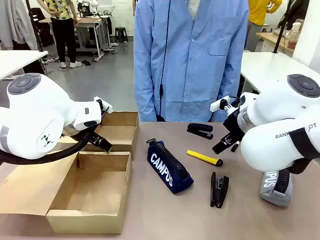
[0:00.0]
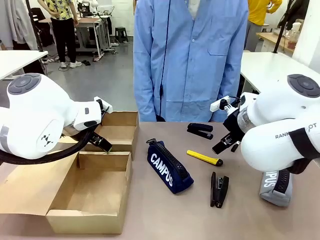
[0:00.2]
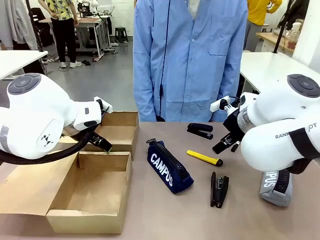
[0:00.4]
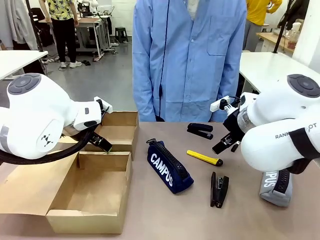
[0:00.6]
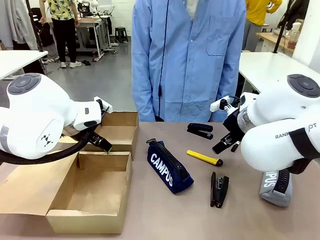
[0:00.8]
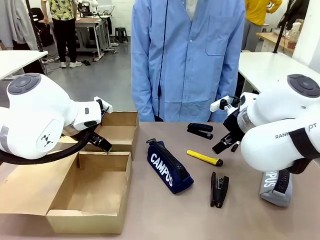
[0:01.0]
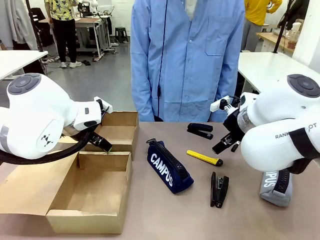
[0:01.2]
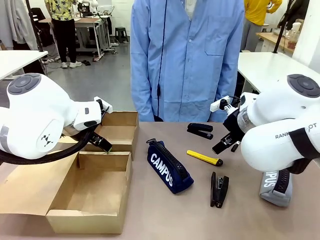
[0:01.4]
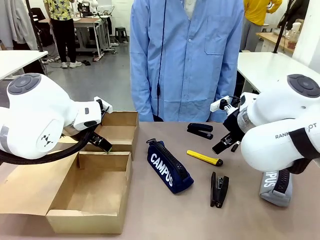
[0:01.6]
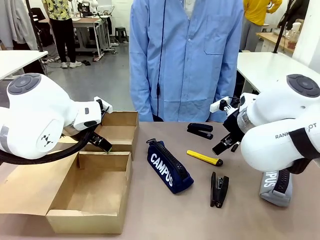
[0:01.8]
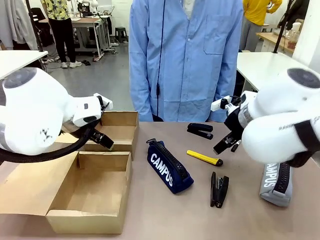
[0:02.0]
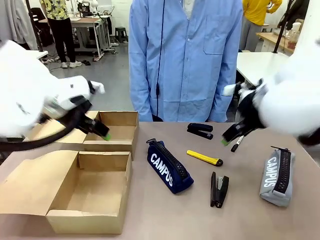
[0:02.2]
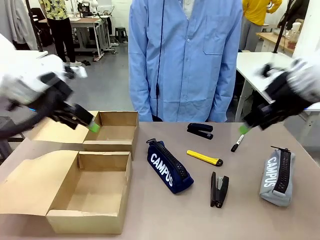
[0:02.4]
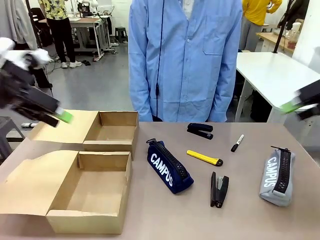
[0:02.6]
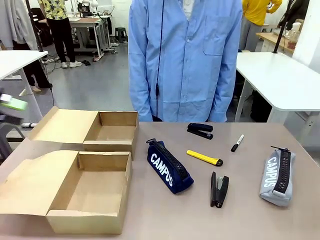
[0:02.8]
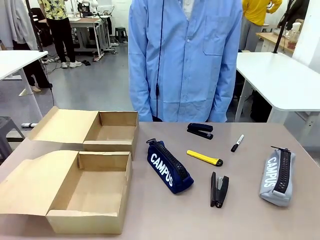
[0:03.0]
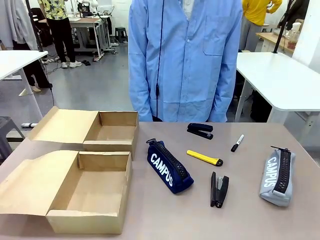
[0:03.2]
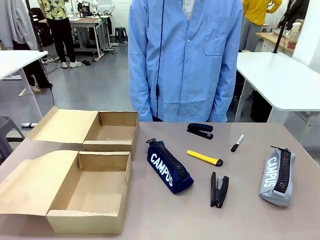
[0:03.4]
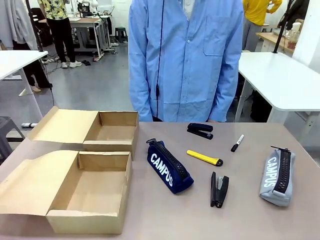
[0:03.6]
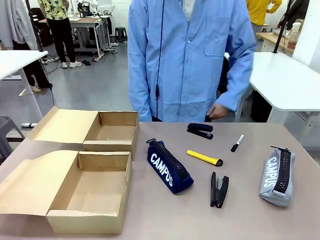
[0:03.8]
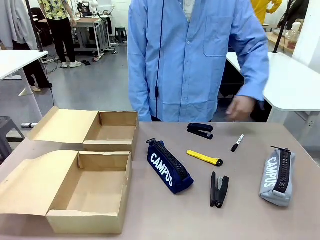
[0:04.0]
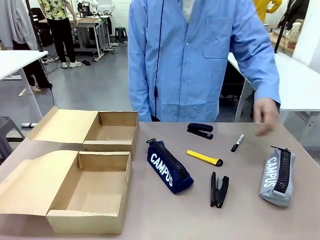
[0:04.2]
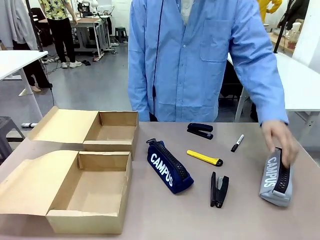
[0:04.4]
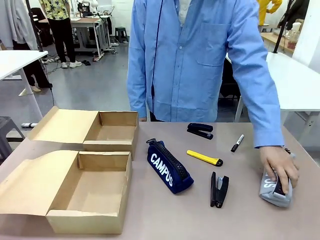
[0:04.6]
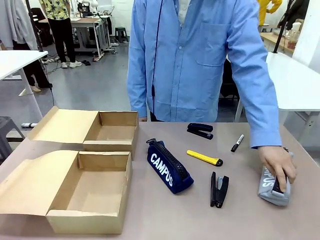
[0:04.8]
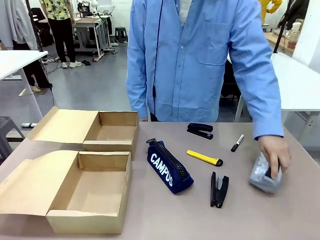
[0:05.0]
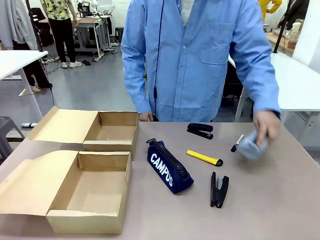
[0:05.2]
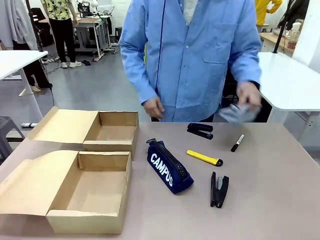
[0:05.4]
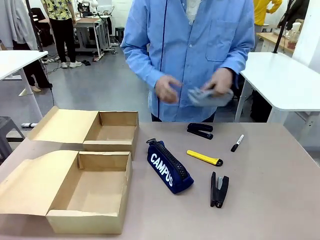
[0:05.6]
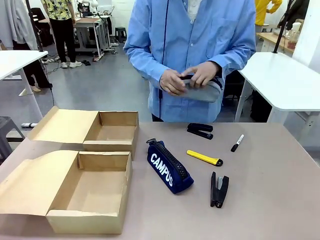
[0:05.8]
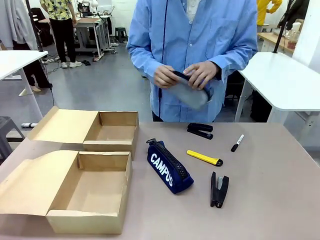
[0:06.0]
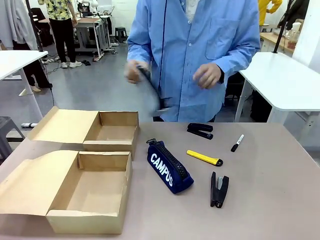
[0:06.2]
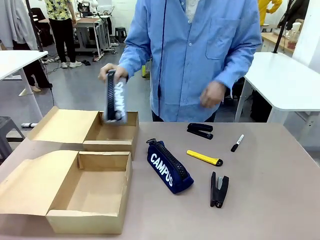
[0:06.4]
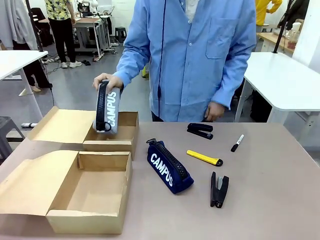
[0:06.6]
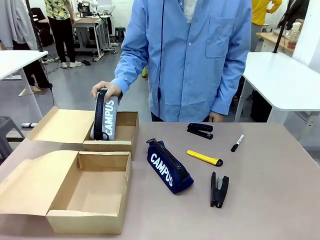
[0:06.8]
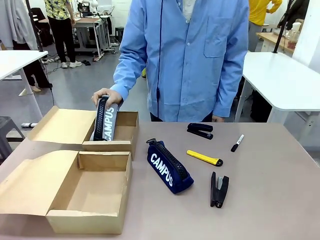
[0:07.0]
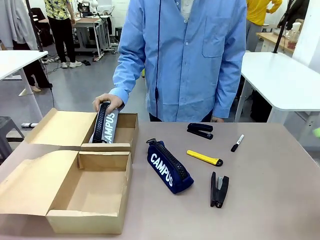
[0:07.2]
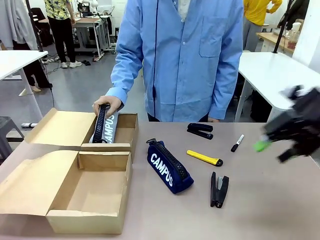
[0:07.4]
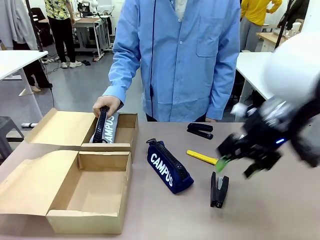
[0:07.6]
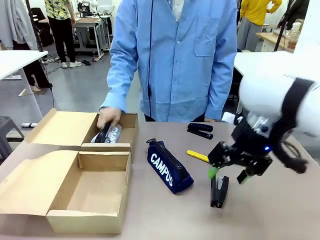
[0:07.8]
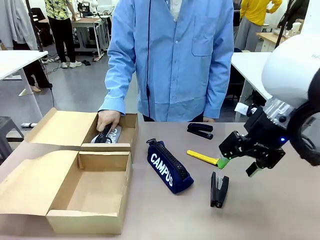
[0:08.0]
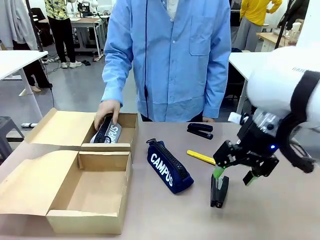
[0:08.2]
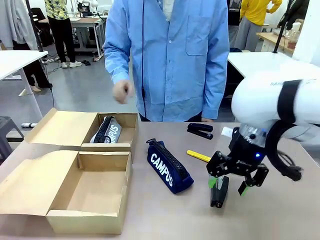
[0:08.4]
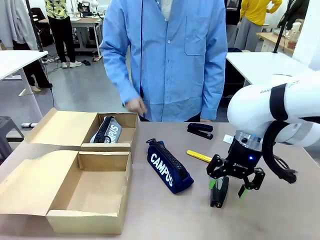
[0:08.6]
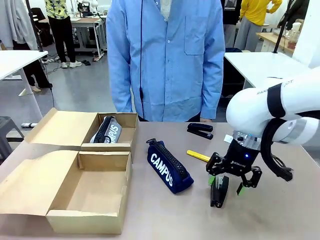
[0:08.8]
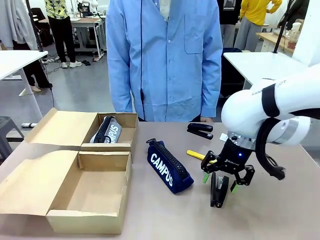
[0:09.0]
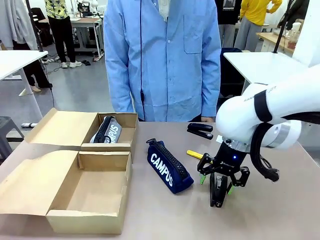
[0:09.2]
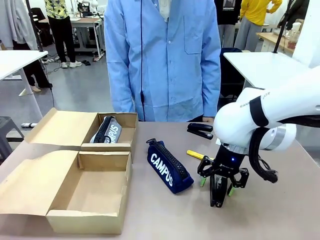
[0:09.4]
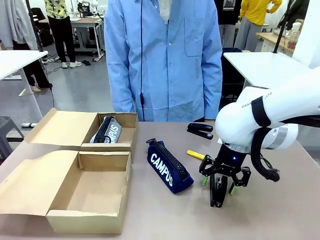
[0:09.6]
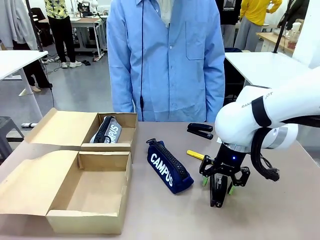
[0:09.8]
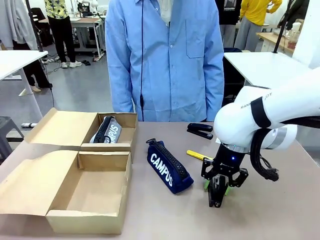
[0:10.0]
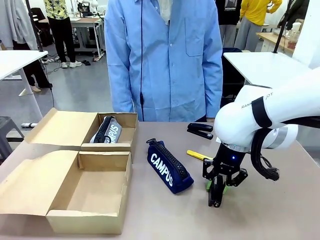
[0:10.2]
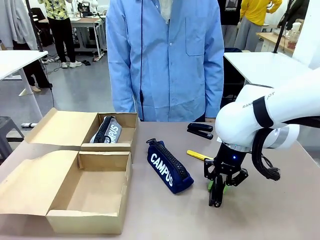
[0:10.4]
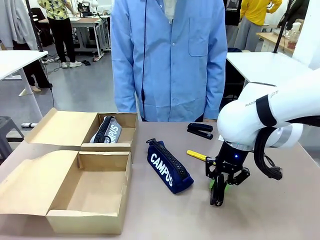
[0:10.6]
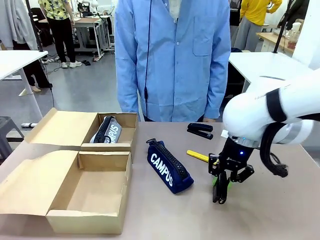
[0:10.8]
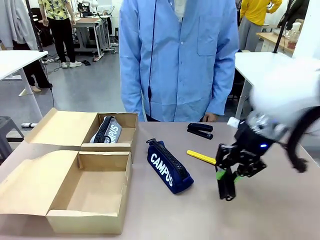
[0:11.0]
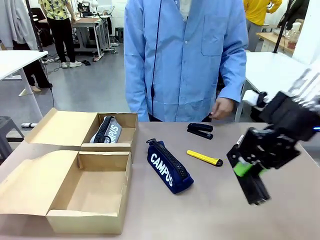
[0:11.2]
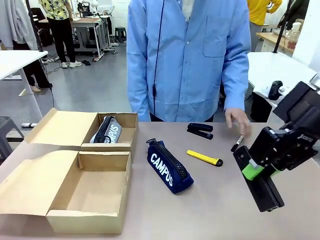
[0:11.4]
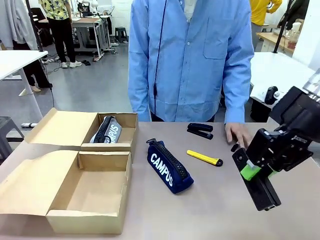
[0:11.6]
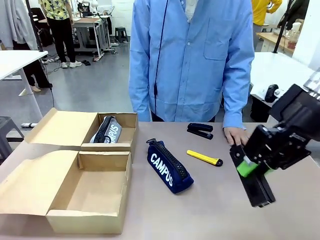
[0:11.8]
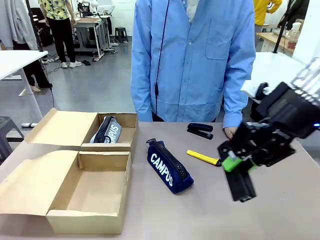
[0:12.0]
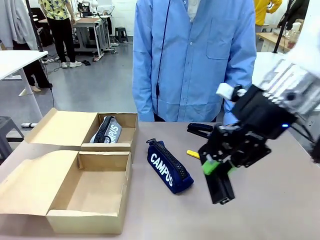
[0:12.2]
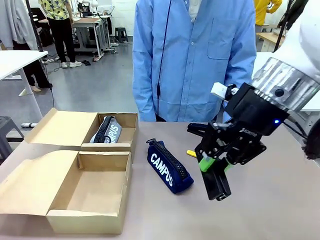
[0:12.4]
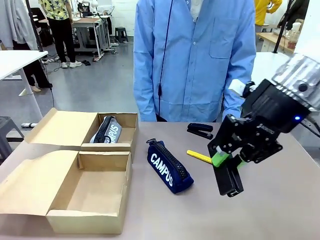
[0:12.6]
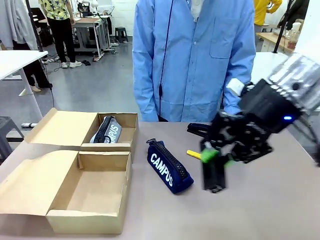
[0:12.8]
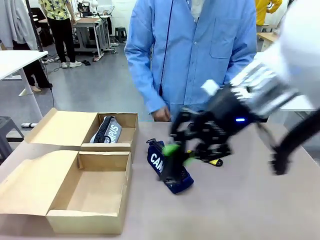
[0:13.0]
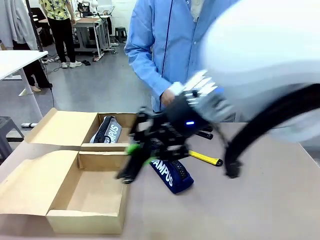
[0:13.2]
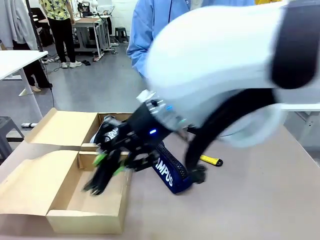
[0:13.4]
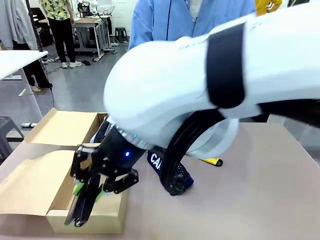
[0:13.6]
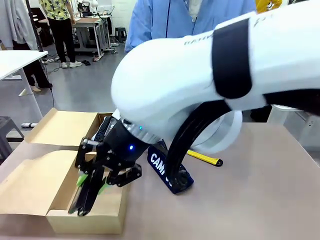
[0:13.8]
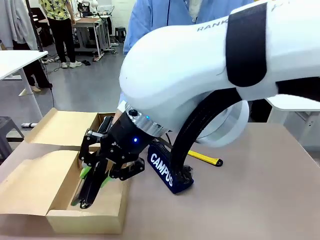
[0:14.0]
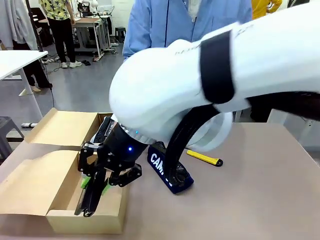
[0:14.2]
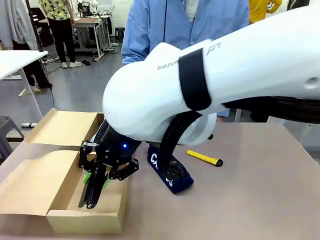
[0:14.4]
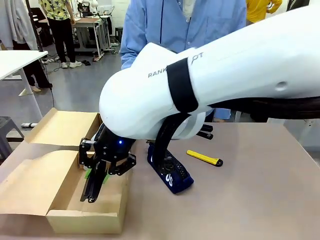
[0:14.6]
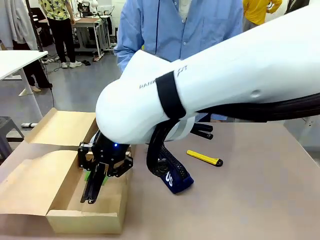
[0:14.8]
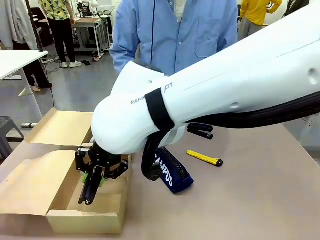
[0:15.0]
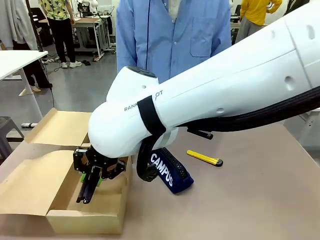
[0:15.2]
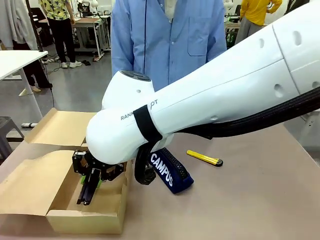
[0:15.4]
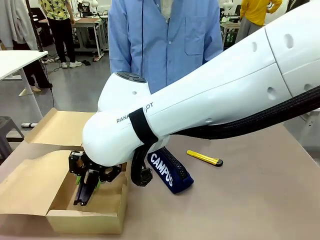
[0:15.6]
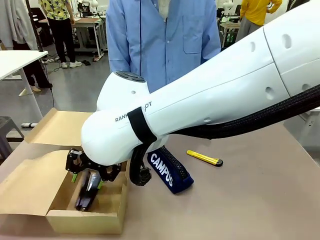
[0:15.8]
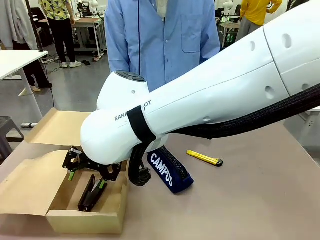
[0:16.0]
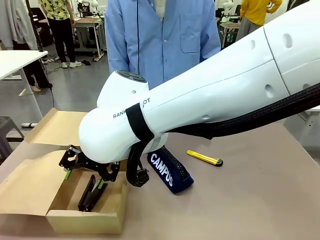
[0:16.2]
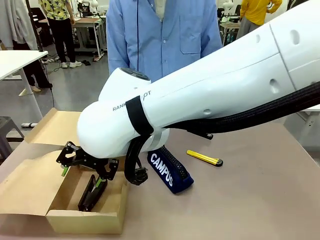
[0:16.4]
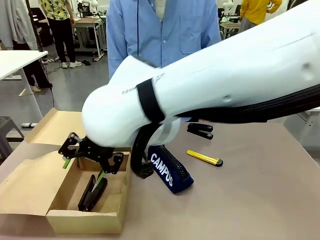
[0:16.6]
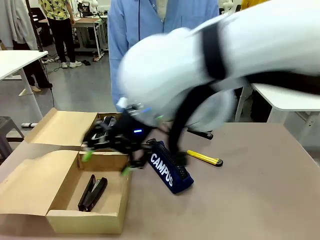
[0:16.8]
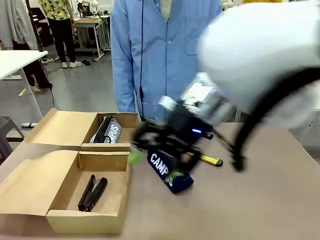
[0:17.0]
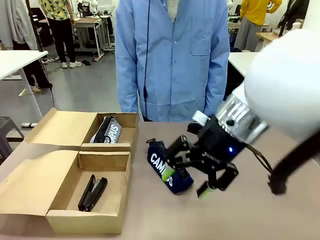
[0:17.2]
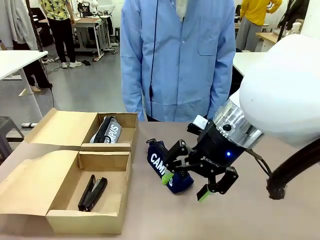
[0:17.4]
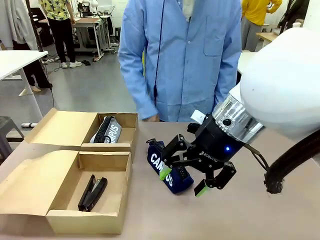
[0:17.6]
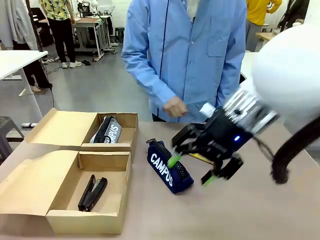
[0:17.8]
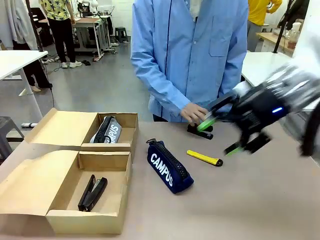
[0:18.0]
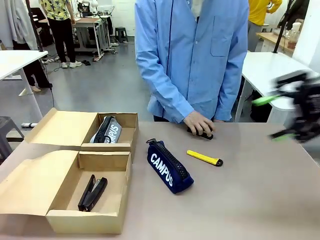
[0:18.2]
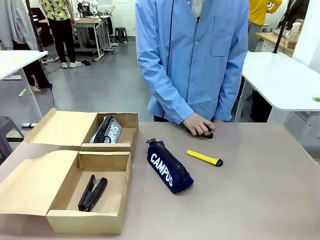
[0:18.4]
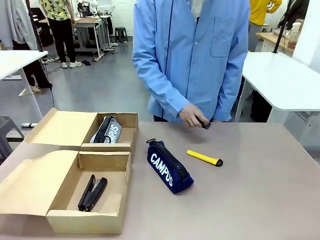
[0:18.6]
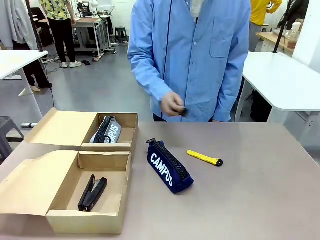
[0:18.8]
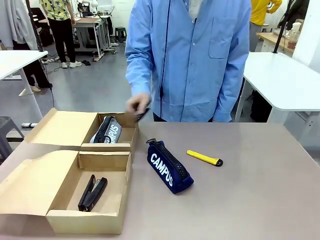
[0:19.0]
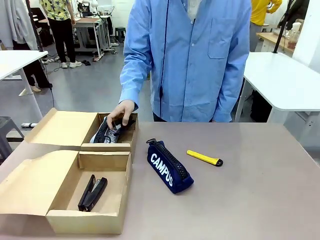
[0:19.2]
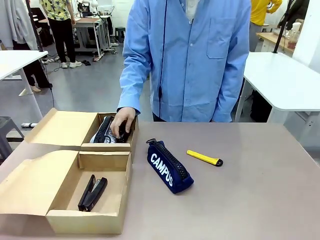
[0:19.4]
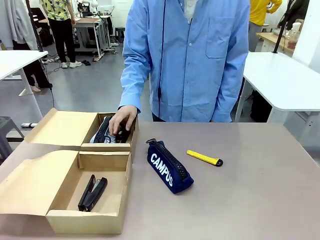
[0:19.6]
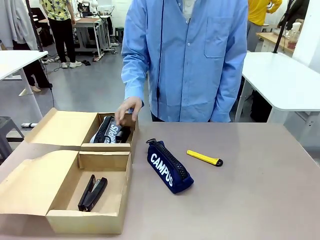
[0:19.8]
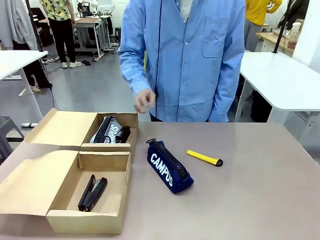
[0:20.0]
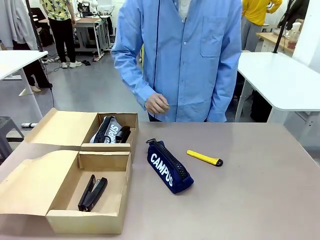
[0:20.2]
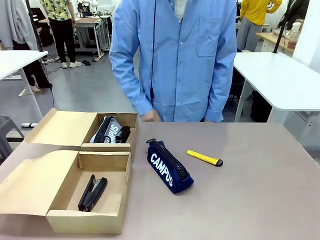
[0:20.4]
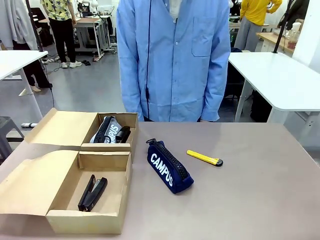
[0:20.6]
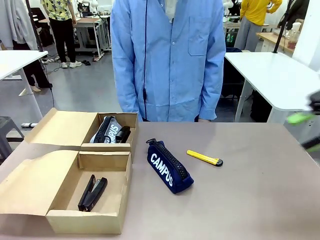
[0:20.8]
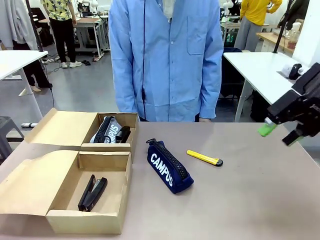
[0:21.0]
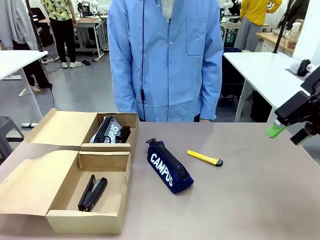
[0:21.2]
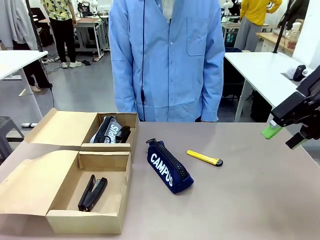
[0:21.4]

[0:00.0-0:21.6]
Task: Place items inside the box.
Robot: Pick up a Pencil pouch or Stapler and place it inside the Mailer Box closest to the robot.
Person: Pick up an object on the table and put it in the box.
